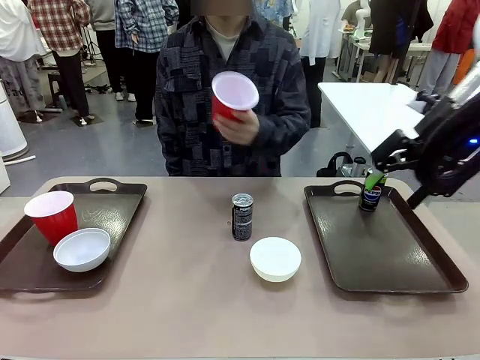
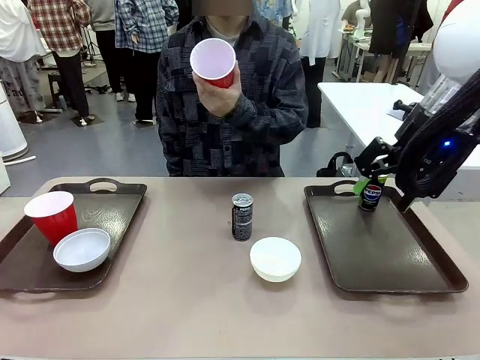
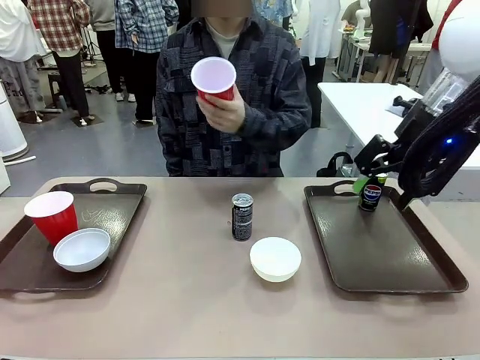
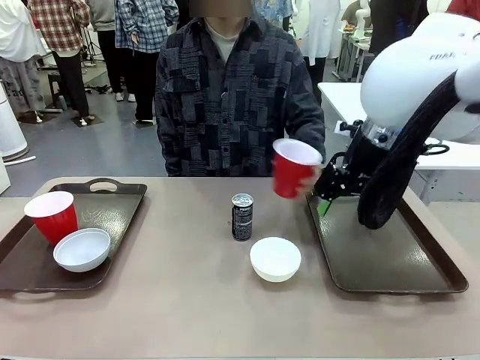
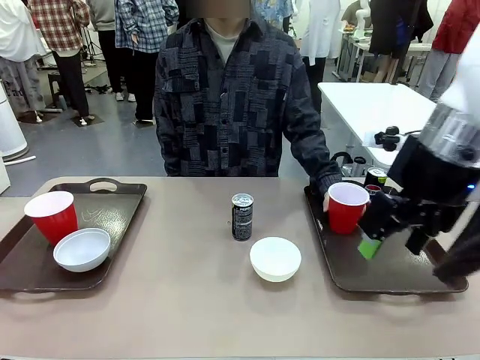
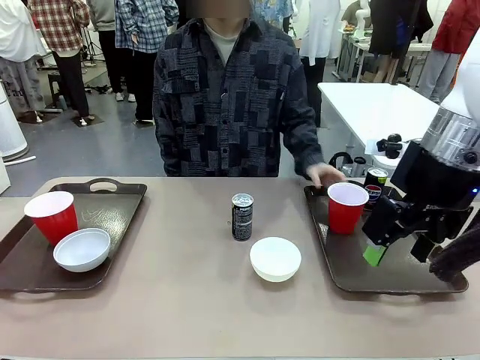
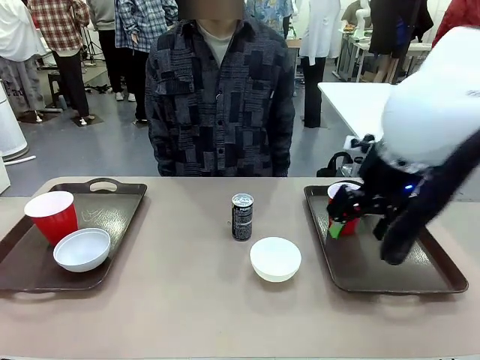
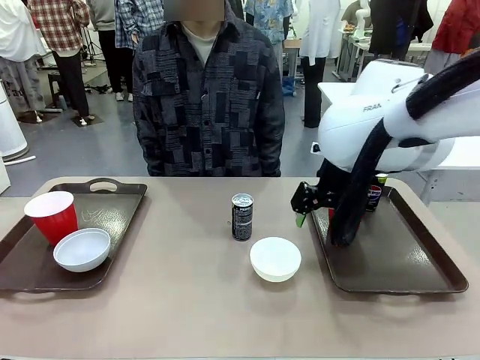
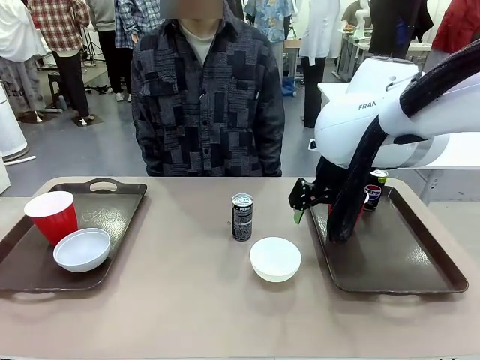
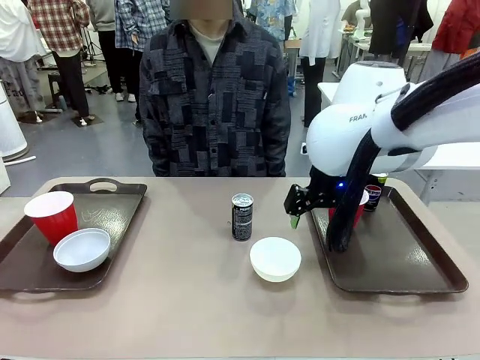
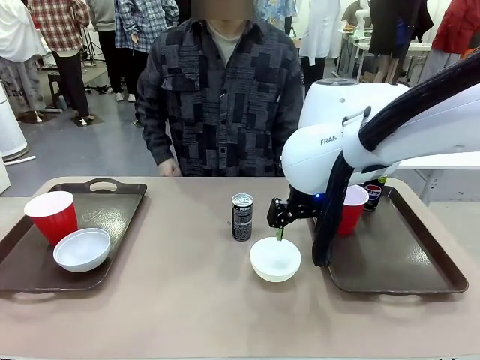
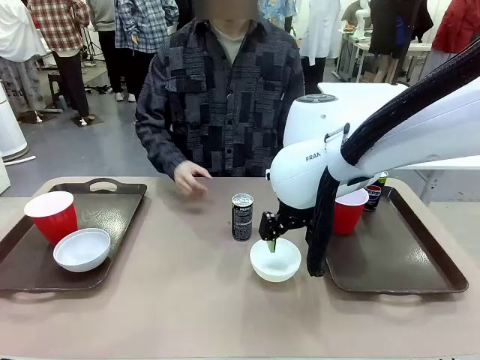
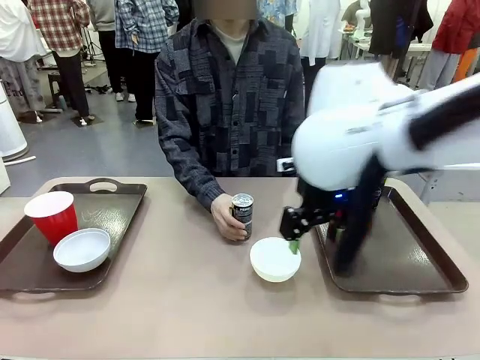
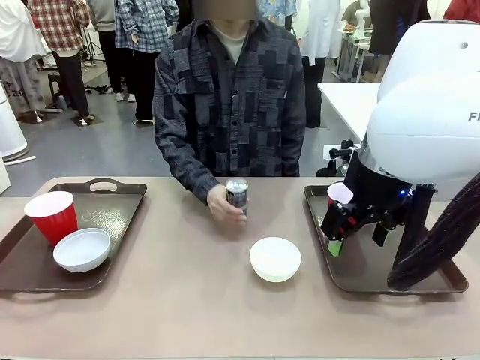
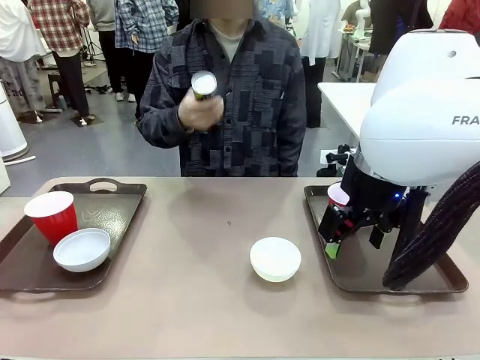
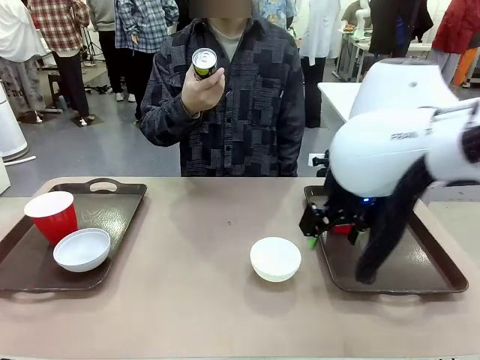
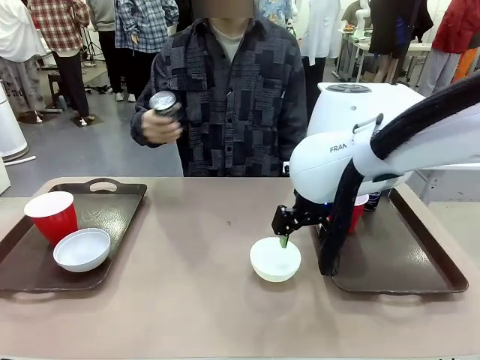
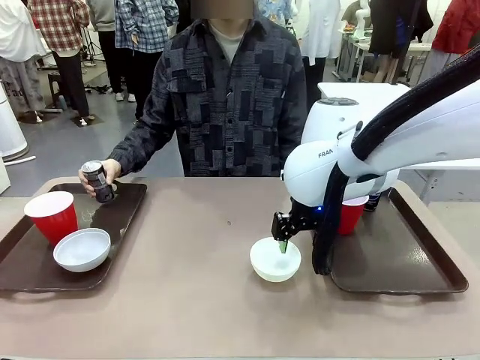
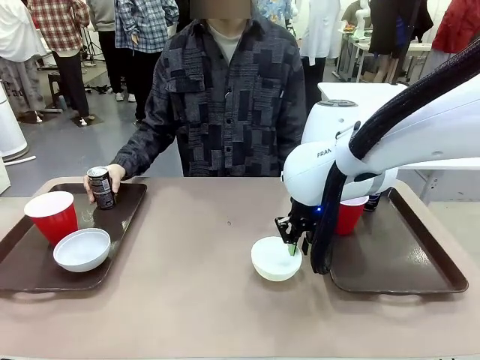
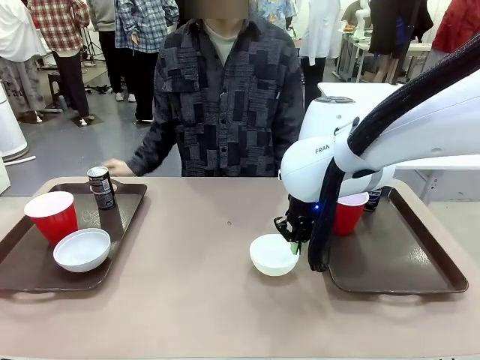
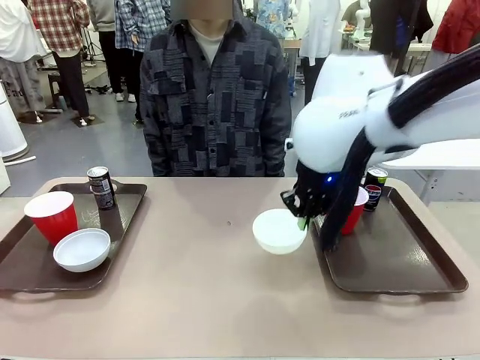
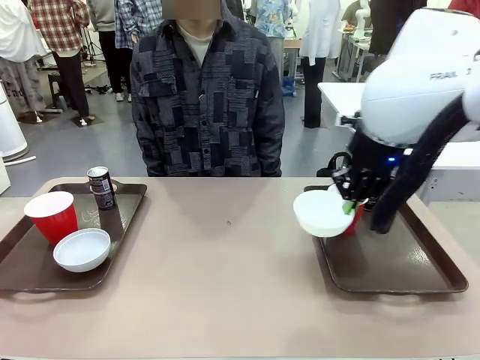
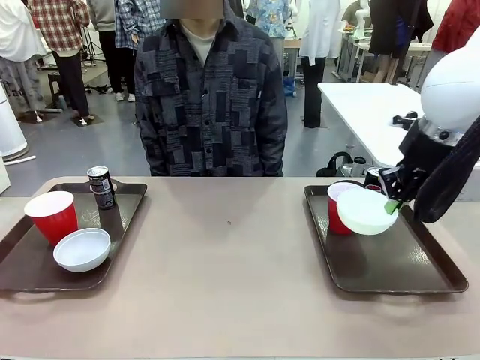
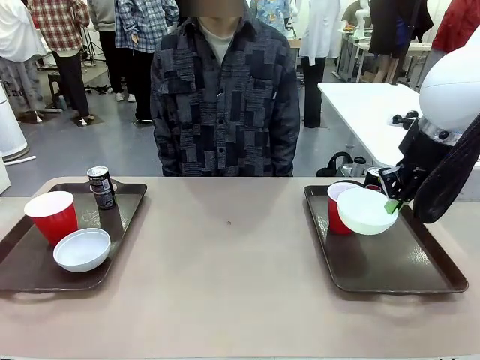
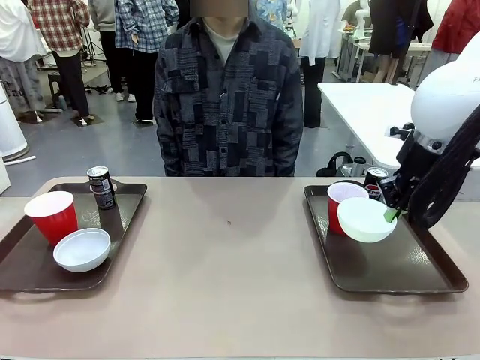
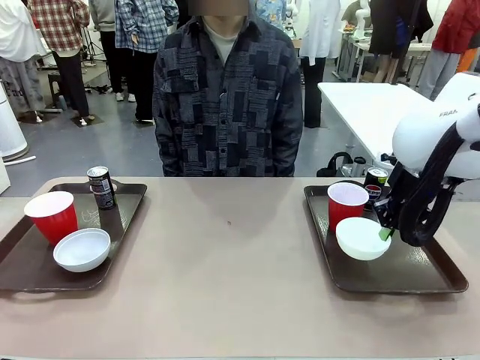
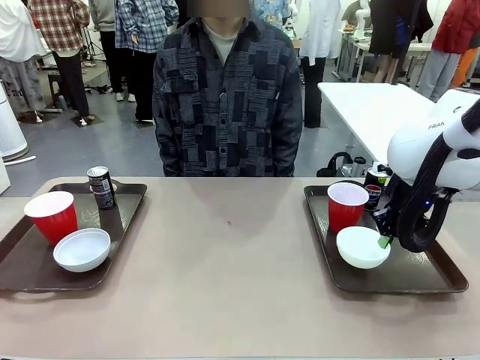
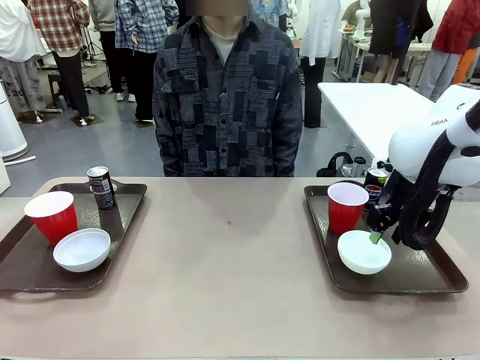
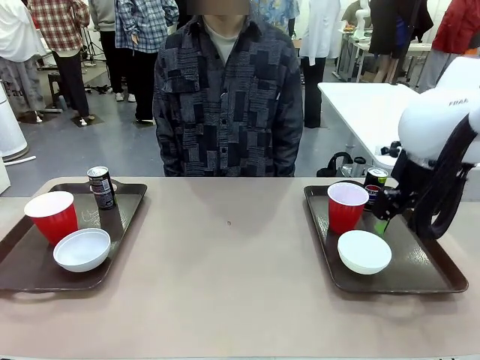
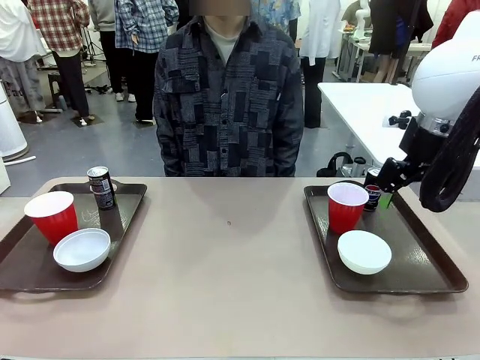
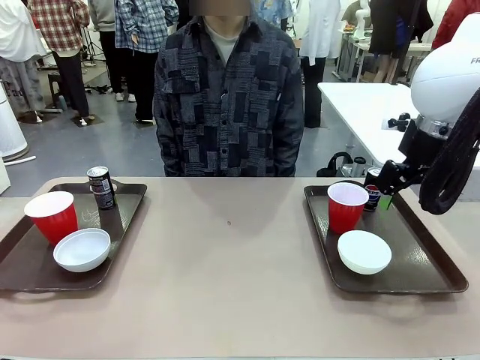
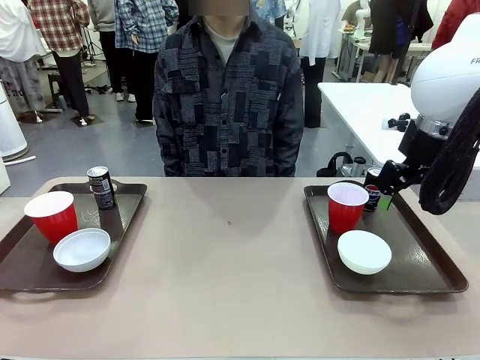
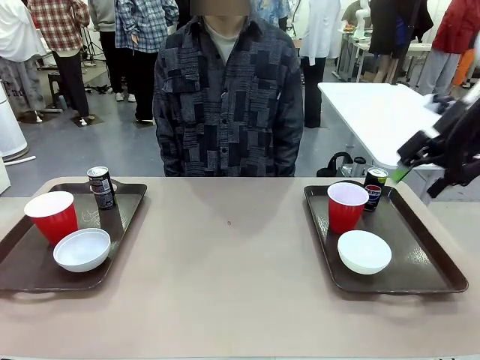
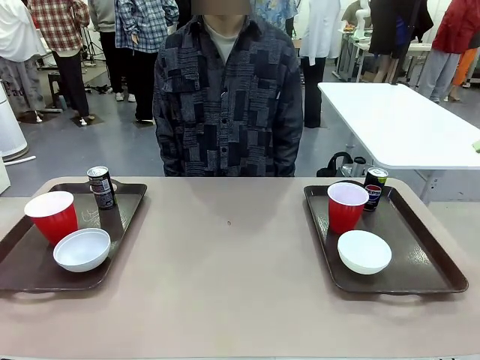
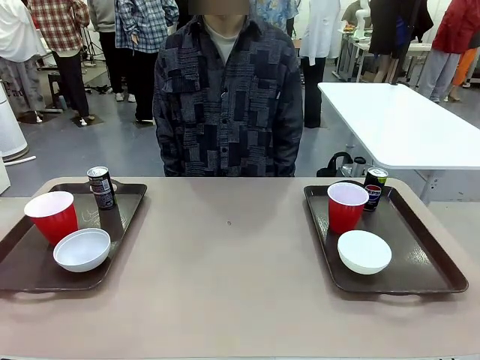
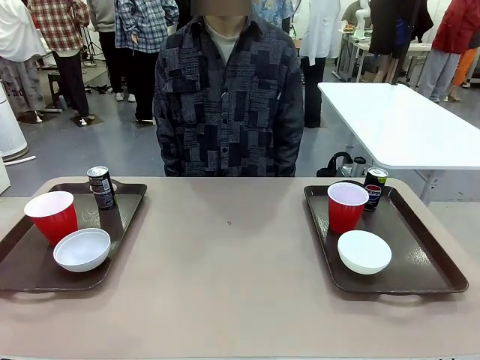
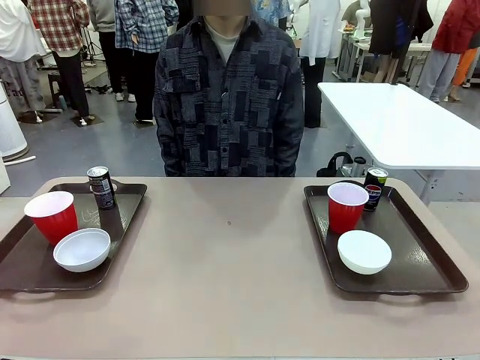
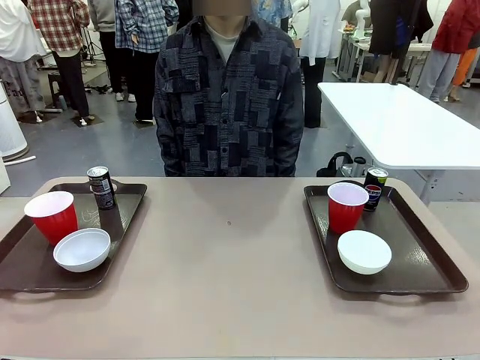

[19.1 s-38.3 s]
Task: Prepare tableware on both trays.
Robot: Pick up a Picnic Bowl from the table and place it on a Handle tray.
Person: Pick up a can or cup and place it on the tray without a can or cup.

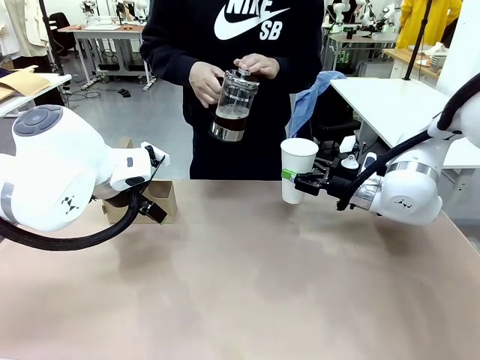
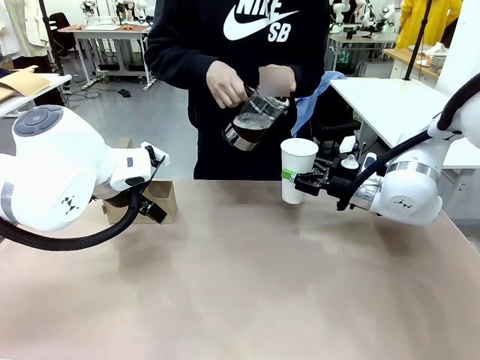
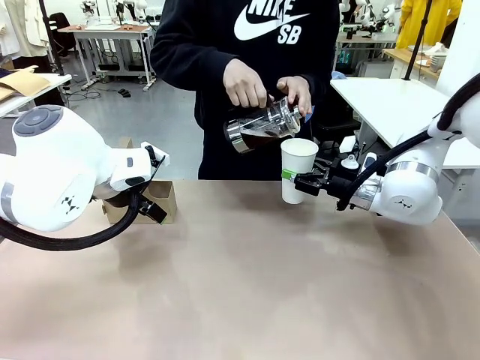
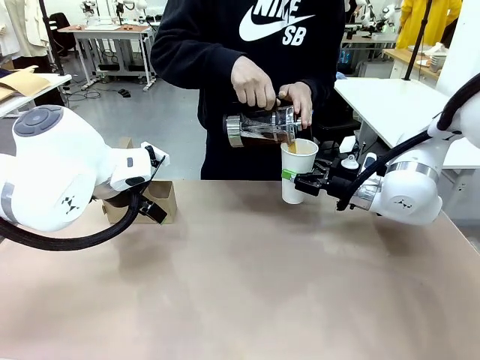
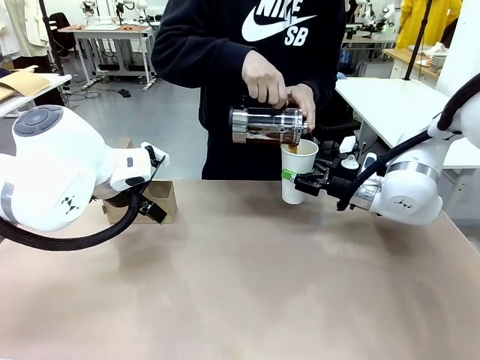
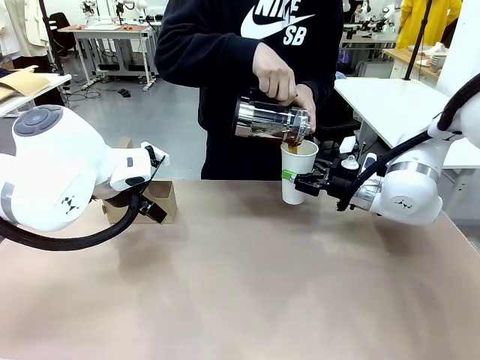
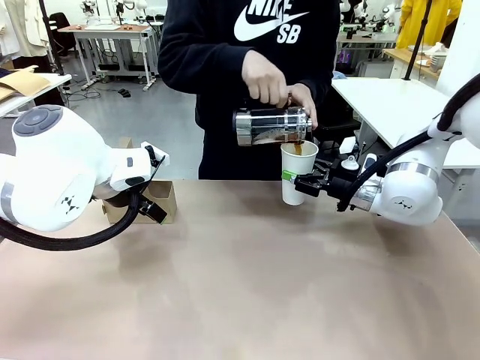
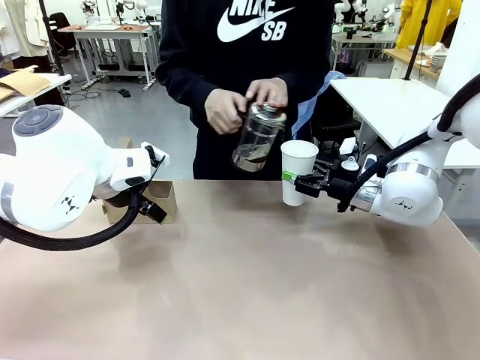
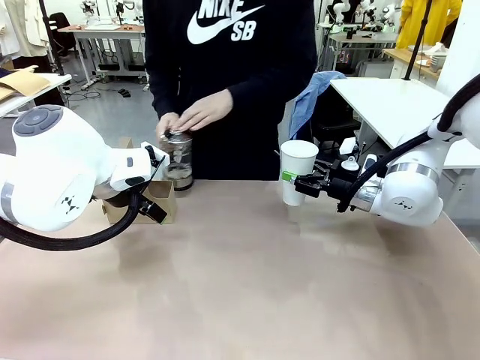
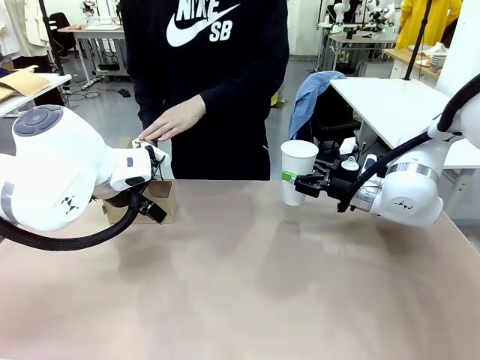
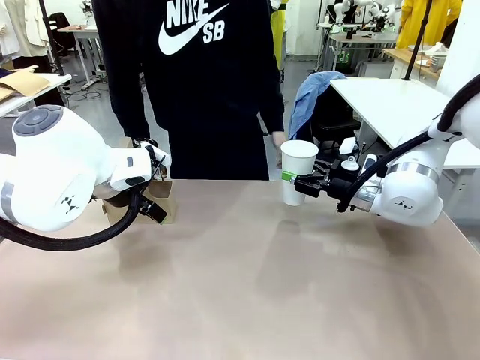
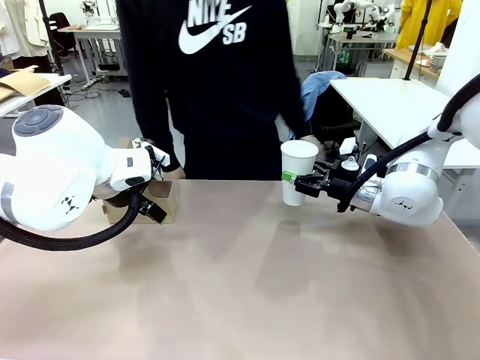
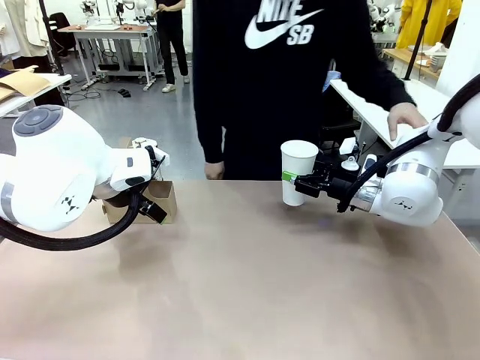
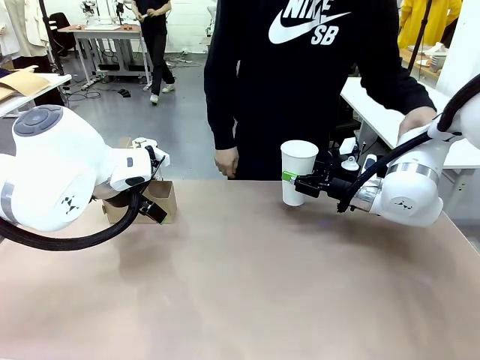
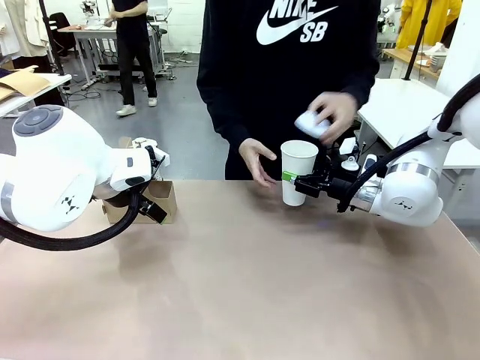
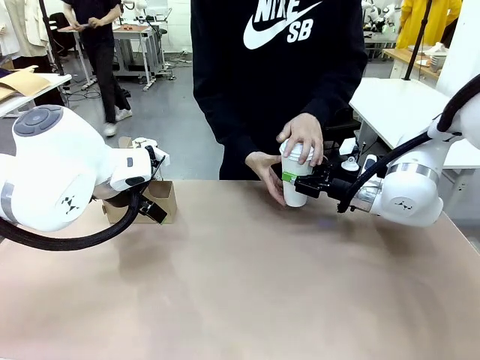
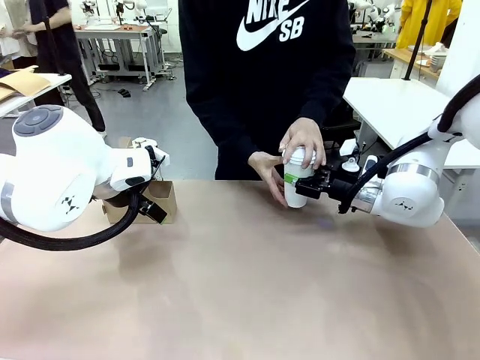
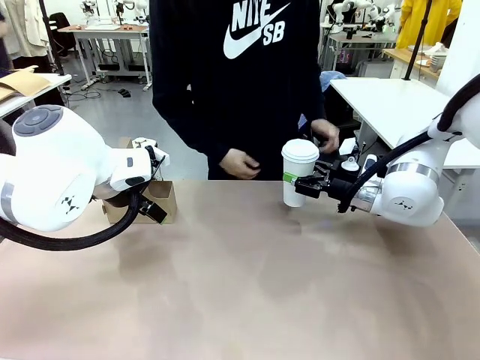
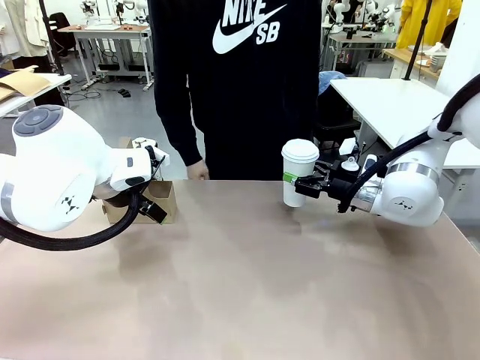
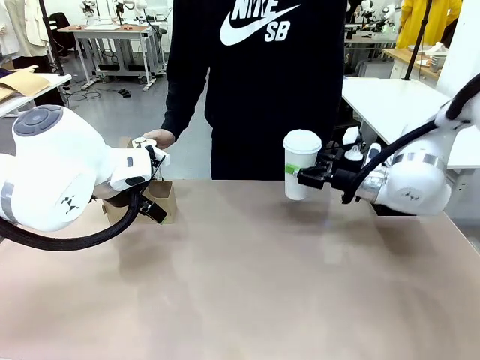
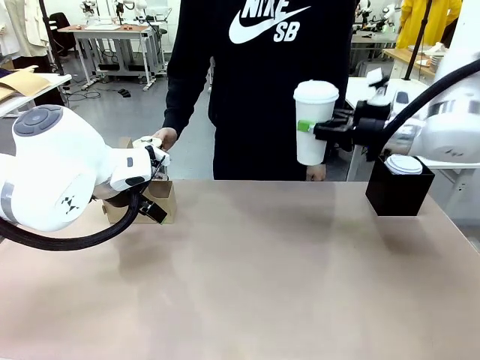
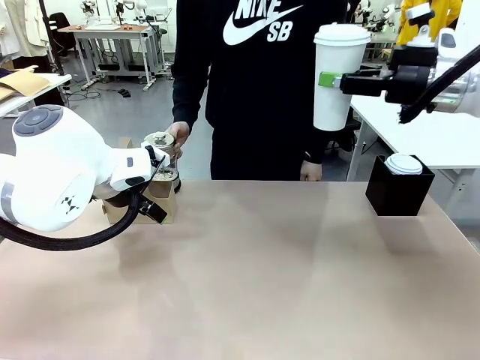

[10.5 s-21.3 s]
Task: Pour a drink into a cup and package it in a carrier.
Robot: When a person places the Paper Cup Lid on the 600 ml Paper Cup , lift the 600 ml Paper Cup.
Person: Pour the drink from the Filter Brewing into the 600 ml Paper Cup. Place a Paper Cup Lid on the 600 ml Paper Cup.
